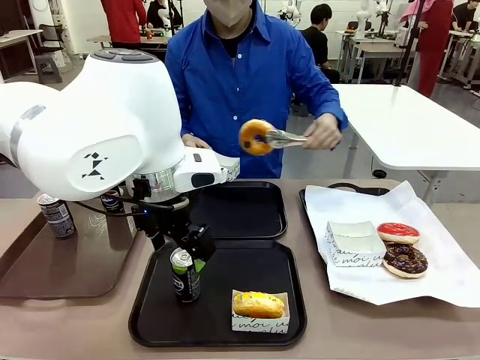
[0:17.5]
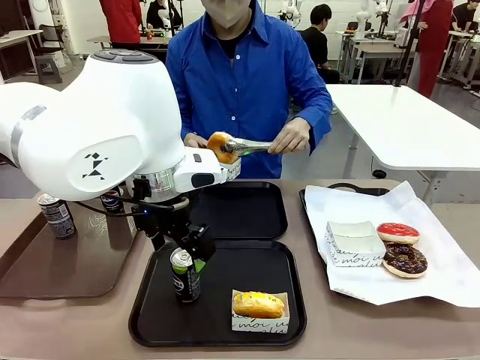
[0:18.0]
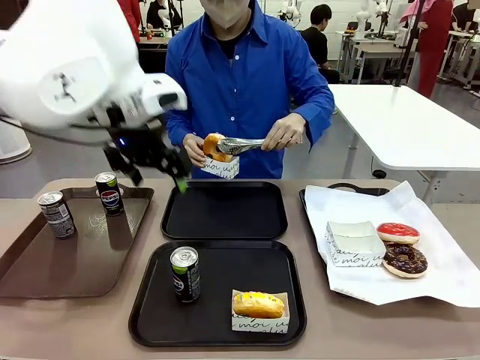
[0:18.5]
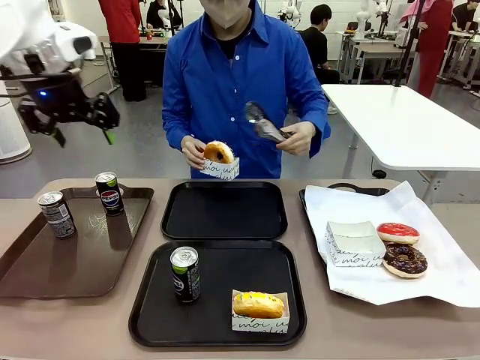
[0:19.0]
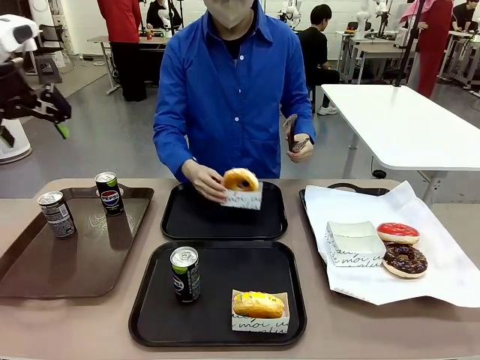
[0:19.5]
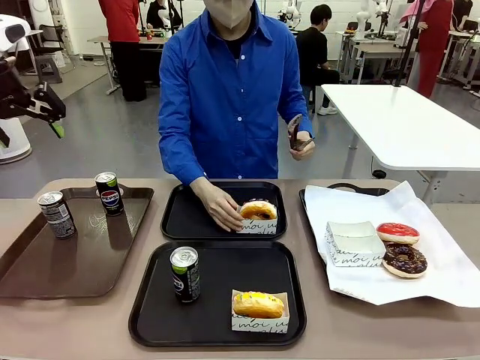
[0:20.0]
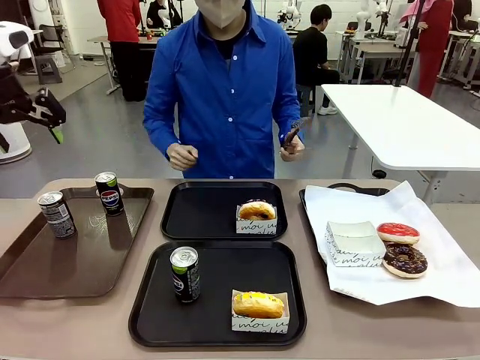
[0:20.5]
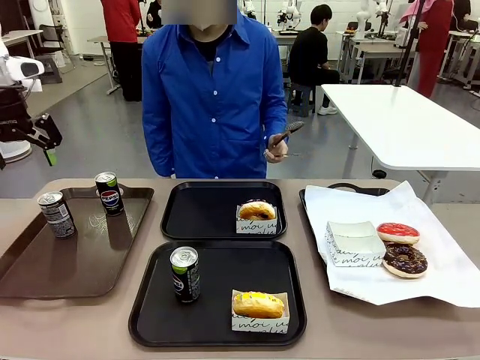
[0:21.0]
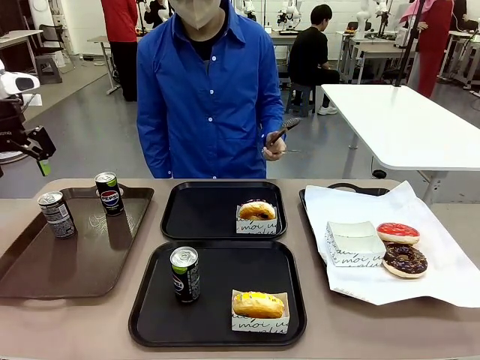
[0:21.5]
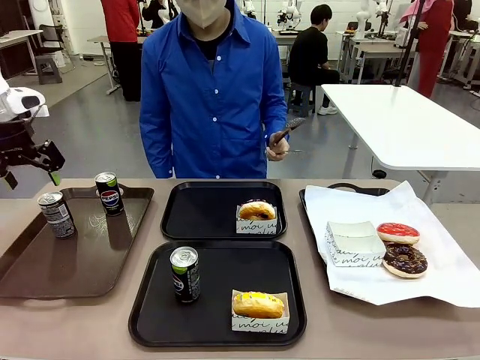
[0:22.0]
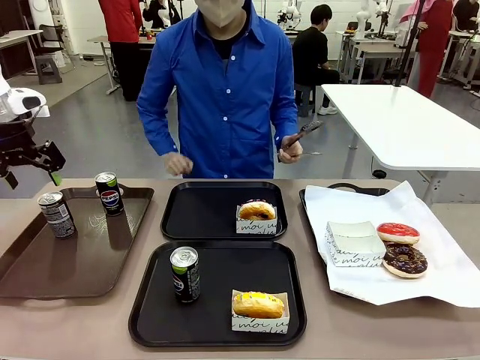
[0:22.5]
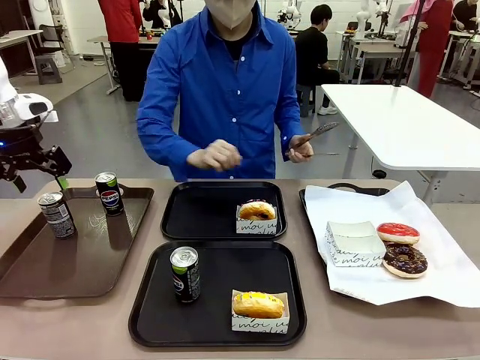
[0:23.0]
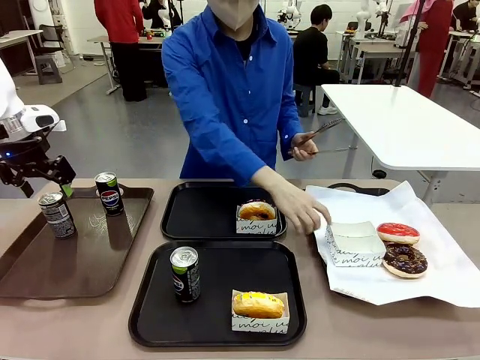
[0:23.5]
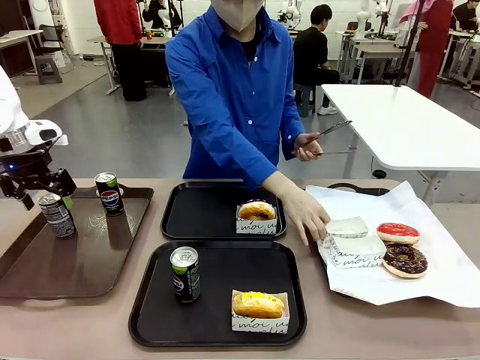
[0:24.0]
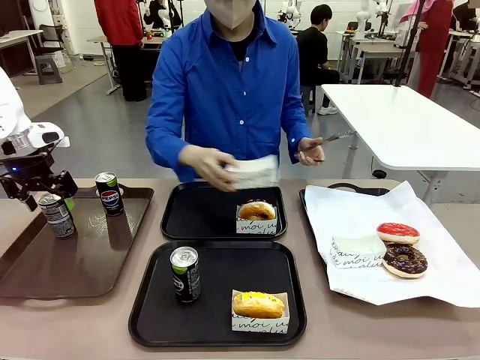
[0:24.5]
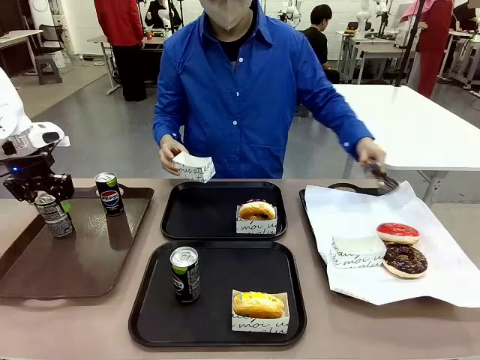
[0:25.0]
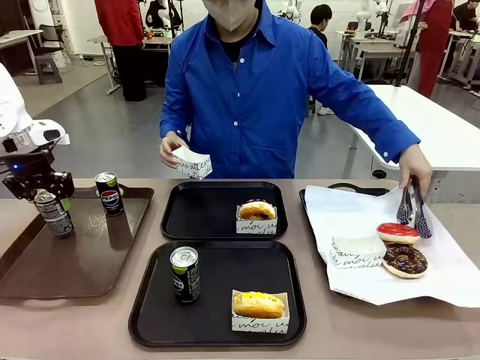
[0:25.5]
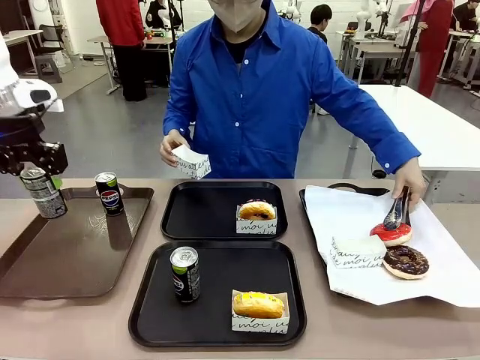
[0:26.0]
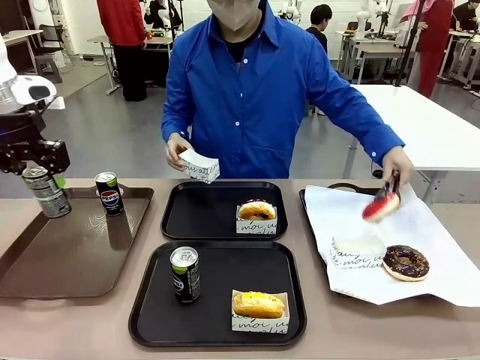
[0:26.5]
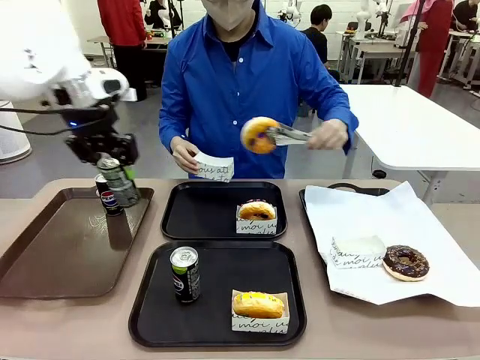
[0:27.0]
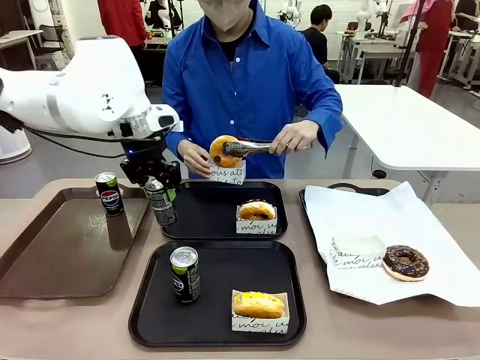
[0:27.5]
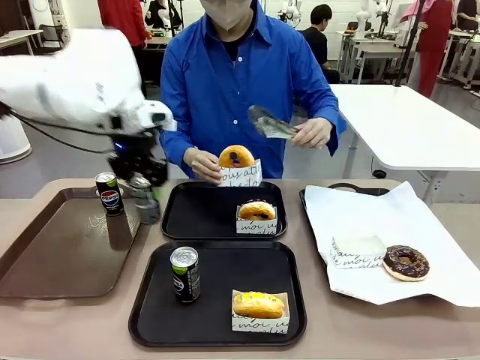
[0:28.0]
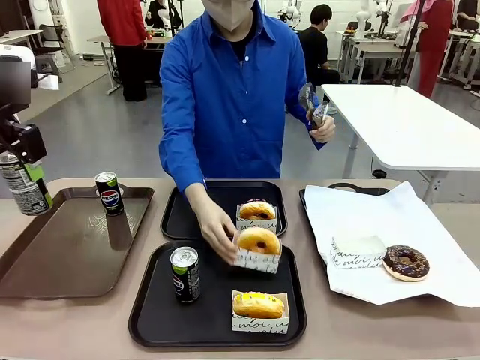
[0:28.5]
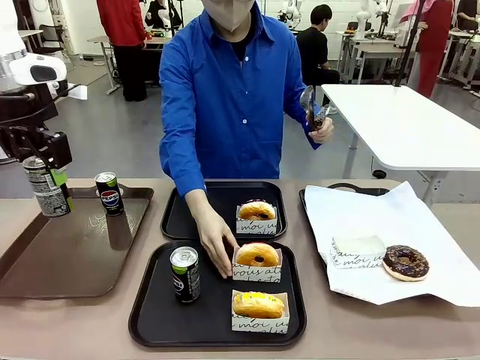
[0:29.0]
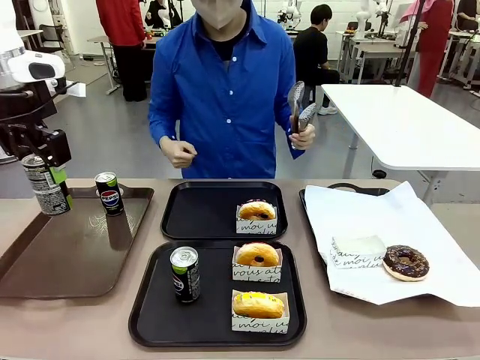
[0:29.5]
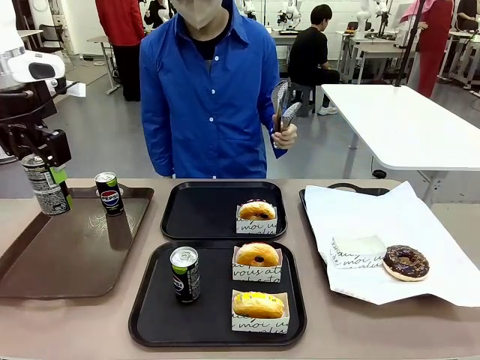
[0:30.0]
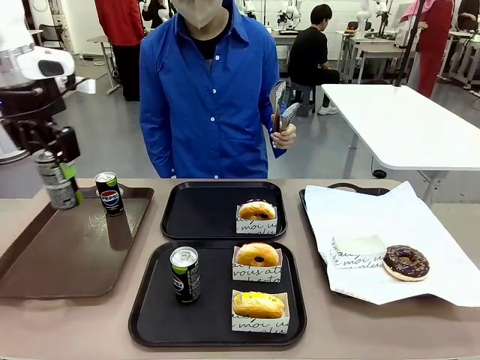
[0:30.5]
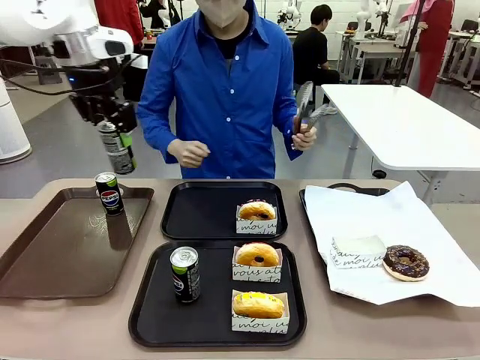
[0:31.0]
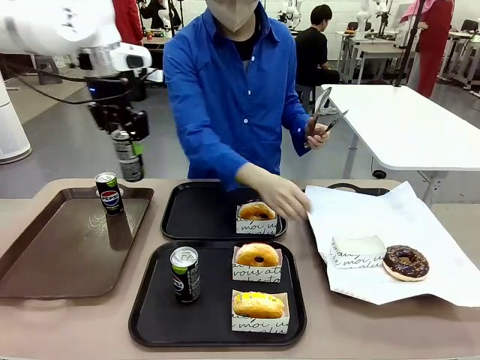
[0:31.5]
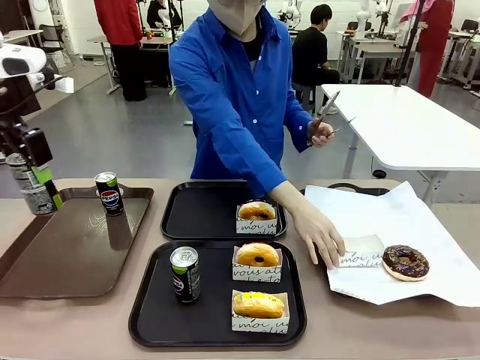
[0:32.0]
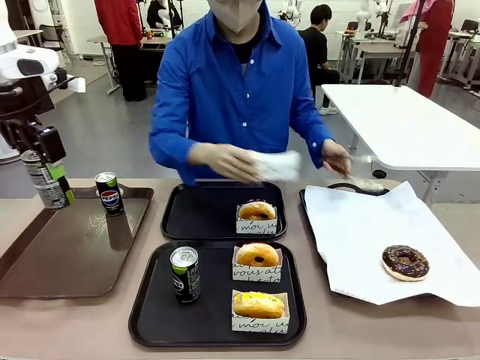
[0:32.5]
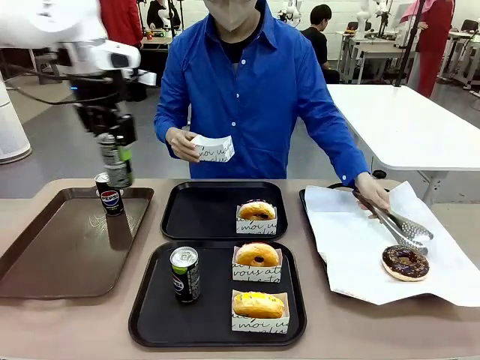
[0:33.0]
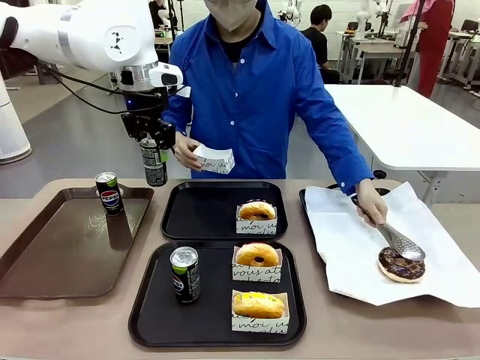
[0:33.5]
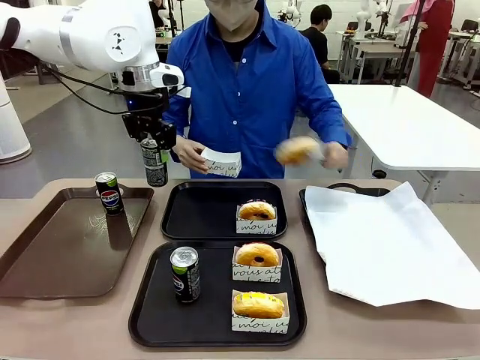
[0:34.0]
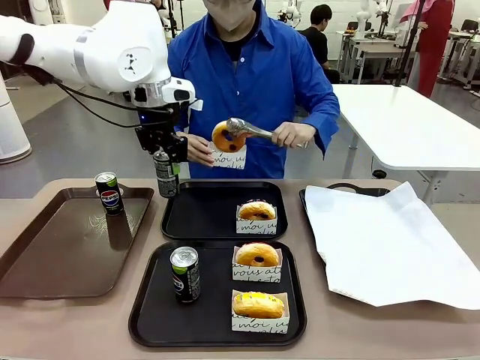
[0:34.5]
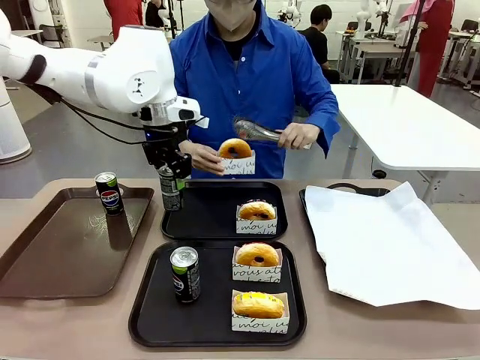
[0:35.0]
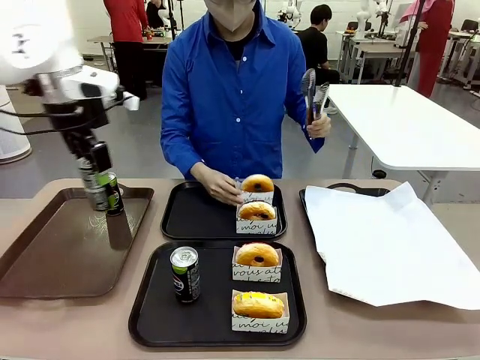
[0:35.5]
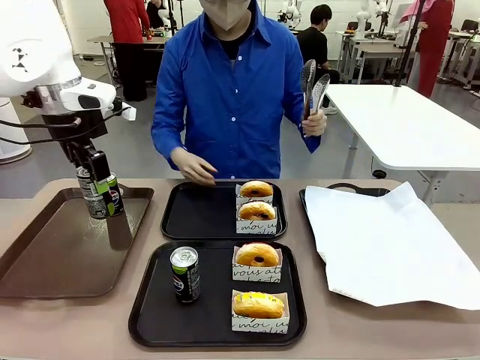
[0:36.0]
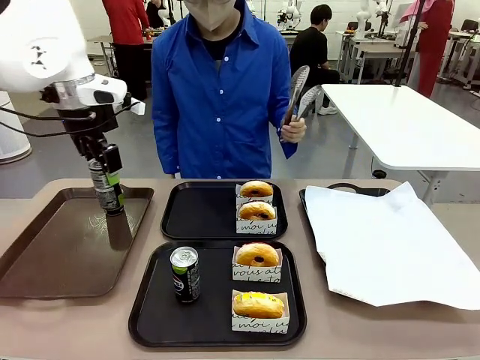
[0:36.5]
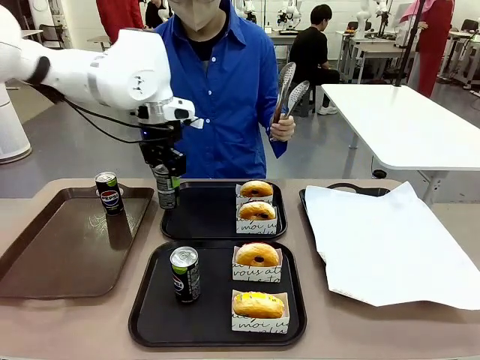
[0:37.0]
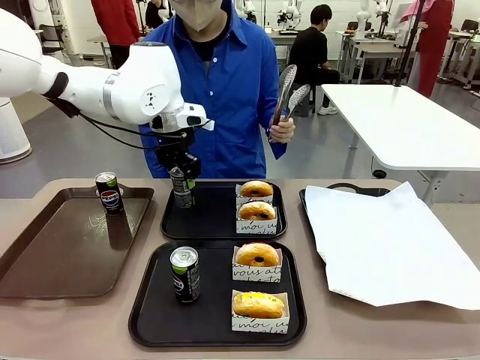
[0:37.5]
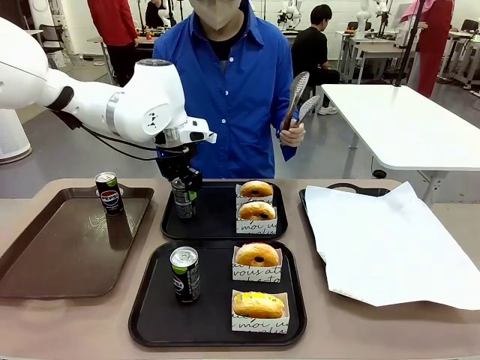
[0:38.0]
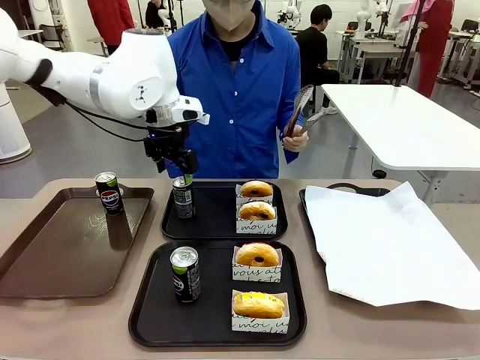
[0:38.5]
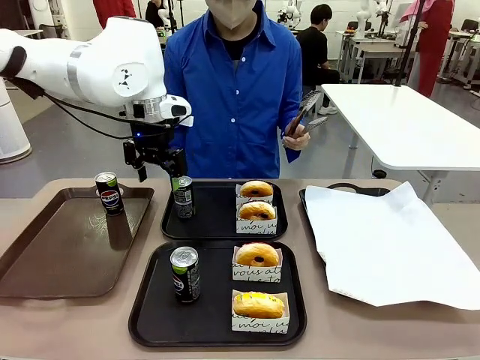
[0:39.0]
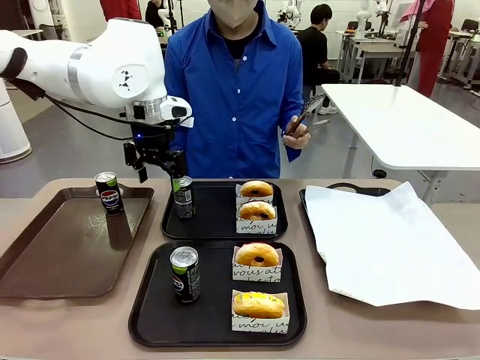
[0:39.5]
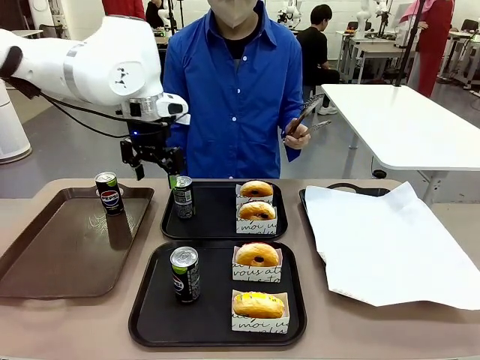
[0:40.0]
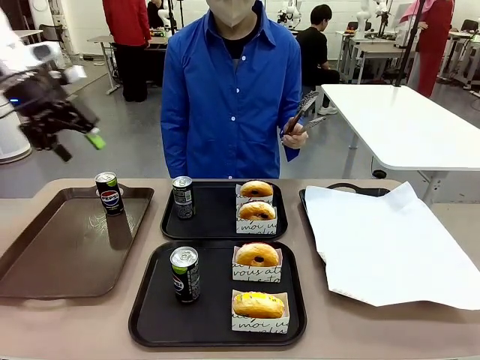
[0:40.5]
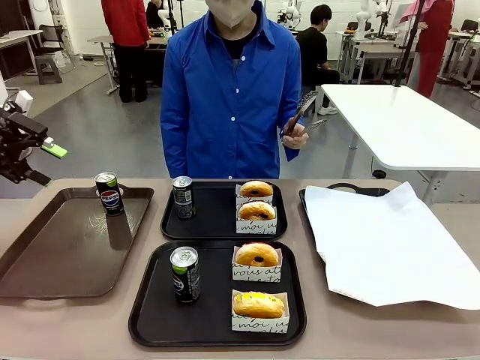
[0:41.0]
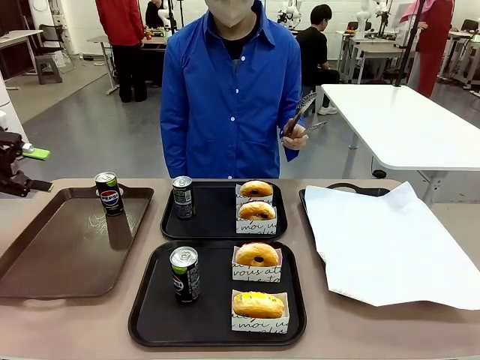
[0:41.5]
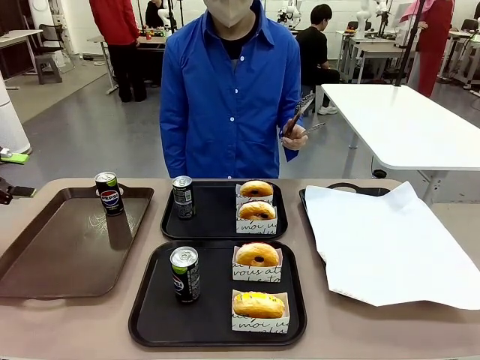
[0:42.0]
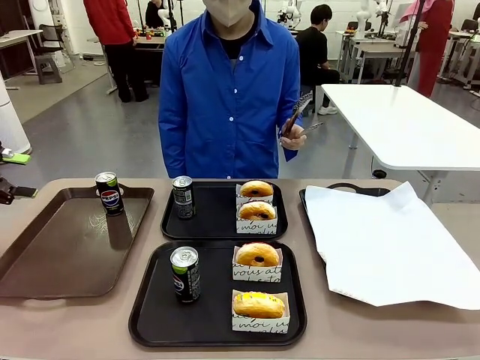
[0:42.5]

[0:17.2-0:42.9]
Task: Set up donuts and drinks on trays.
Robot: Pick up one Pepsi coke from the Handle tray and place it on the Flat Tray without a Pepsi coke.
Person: Pick up one donut with tongs, place it in the donut tray, and then place the donut tray on the flat tray.
